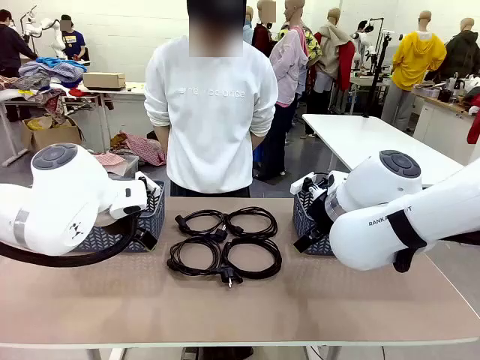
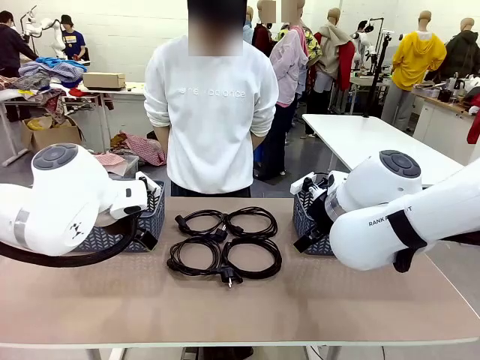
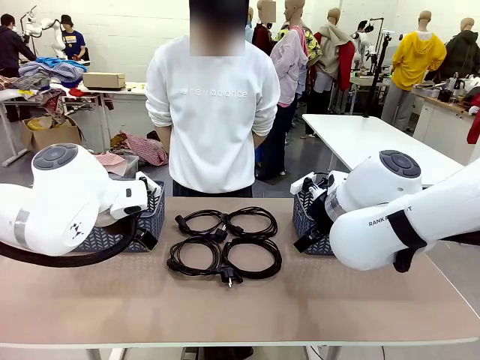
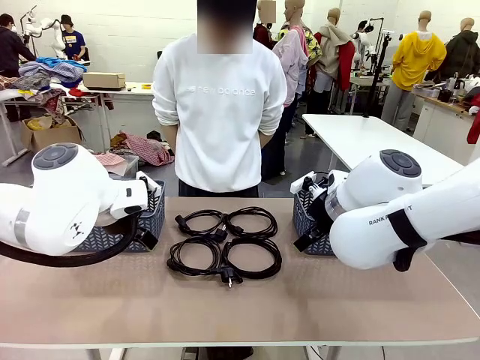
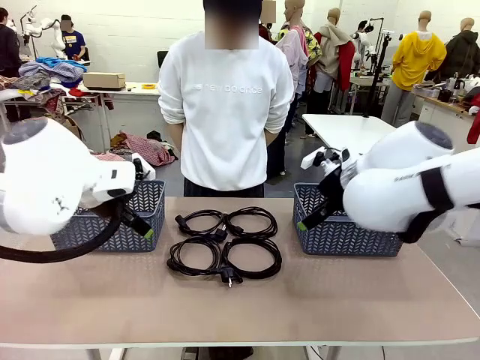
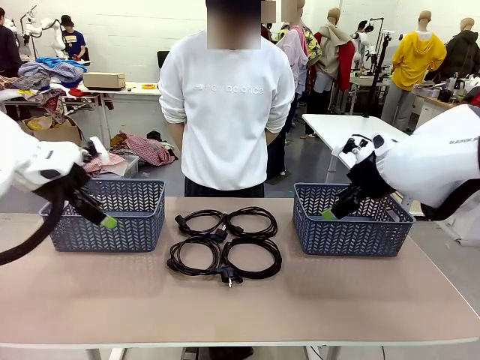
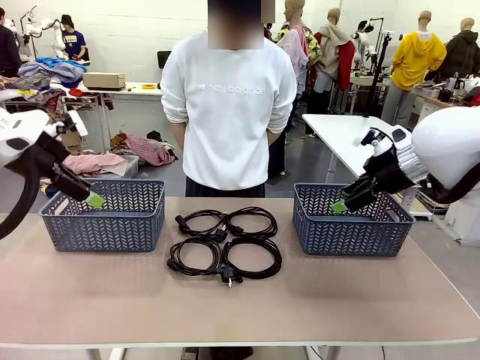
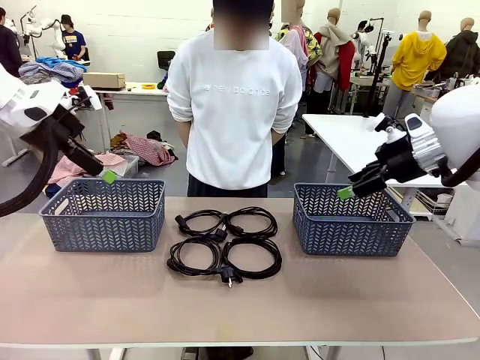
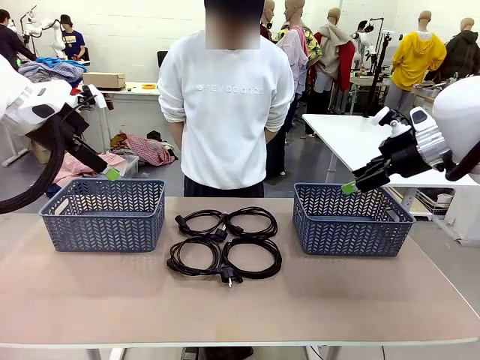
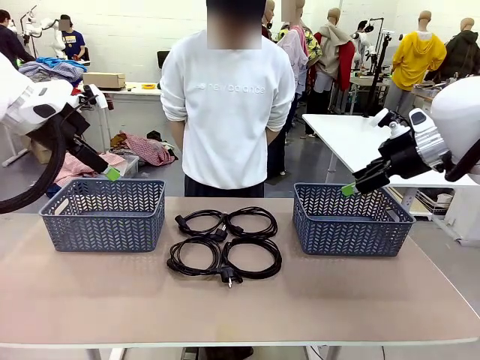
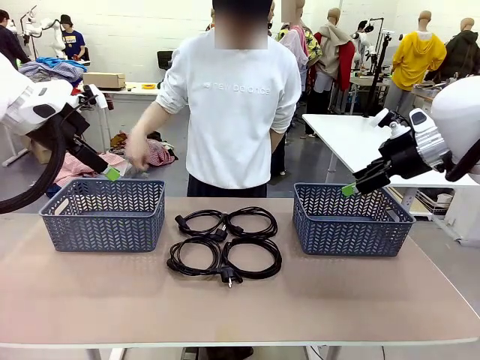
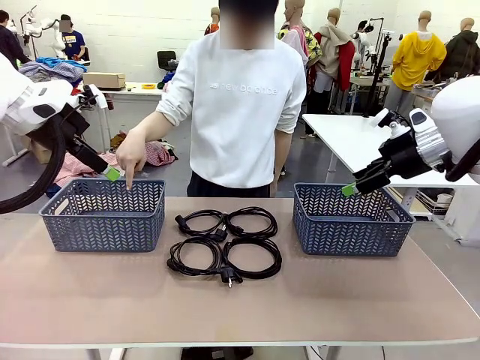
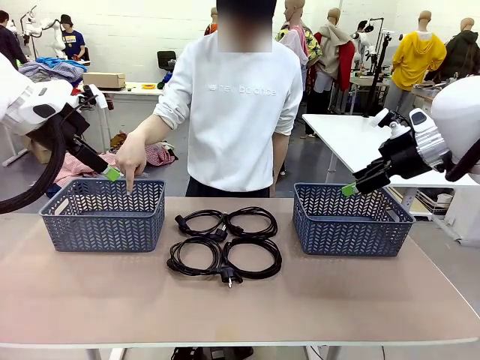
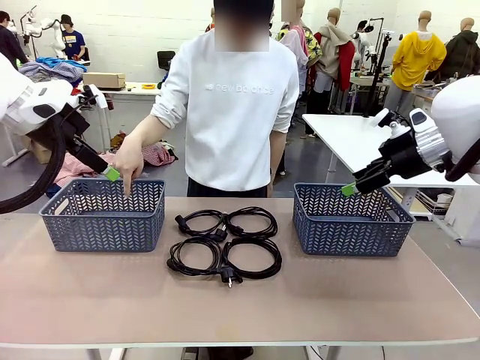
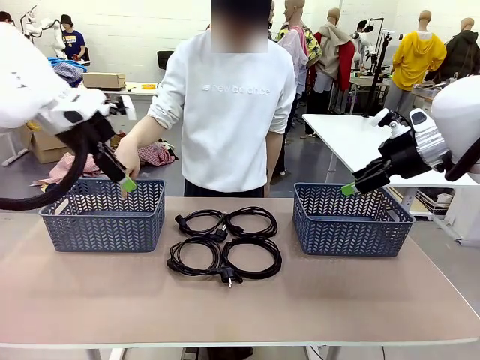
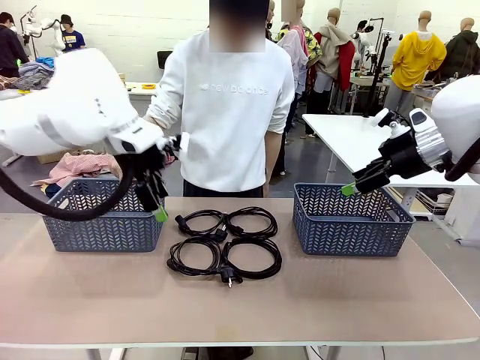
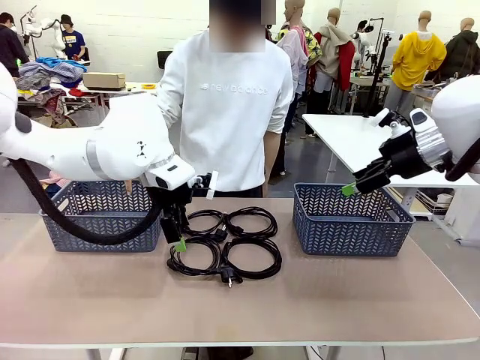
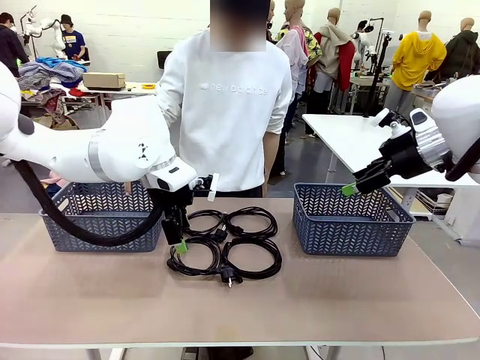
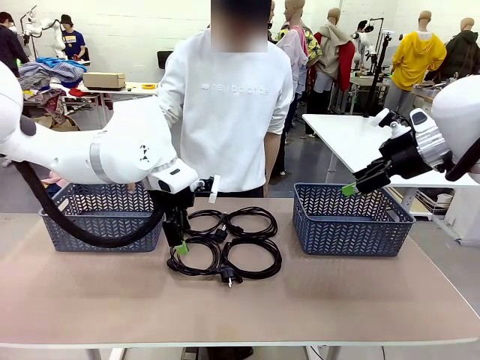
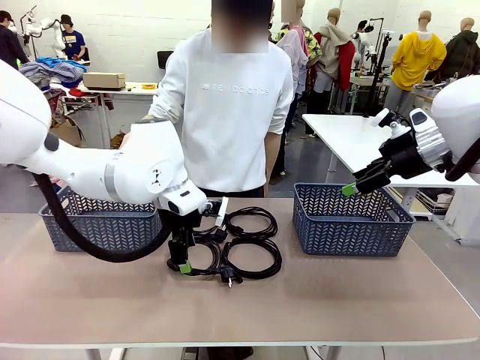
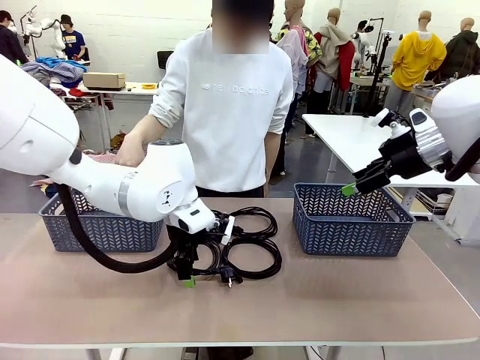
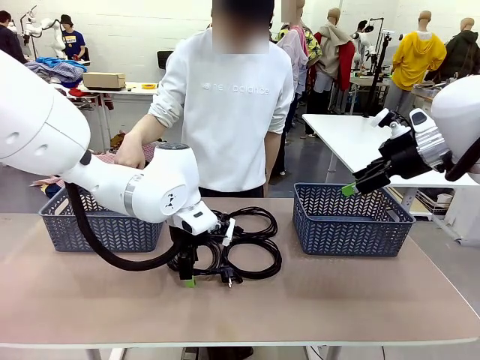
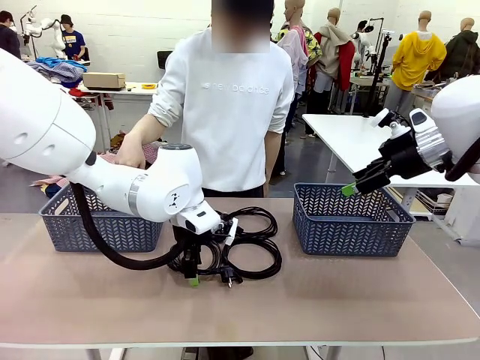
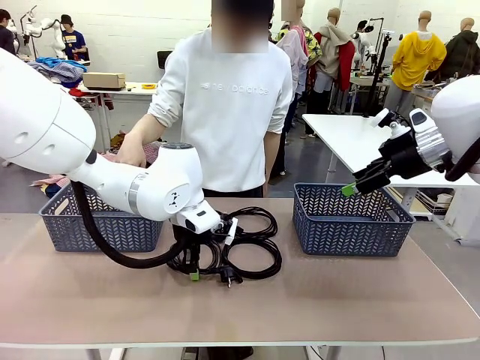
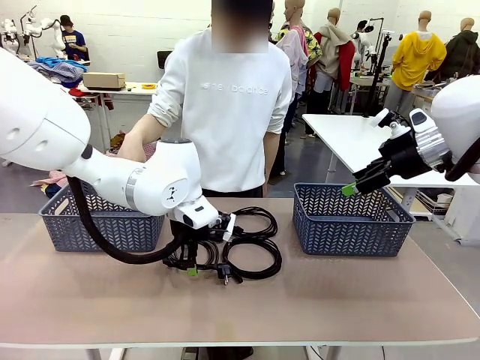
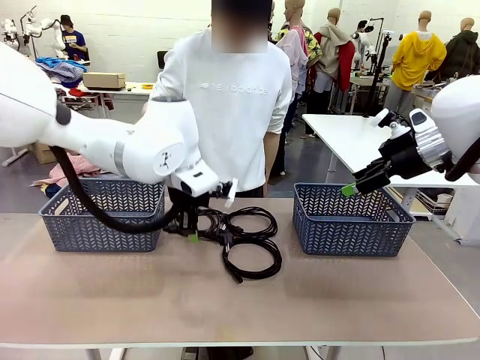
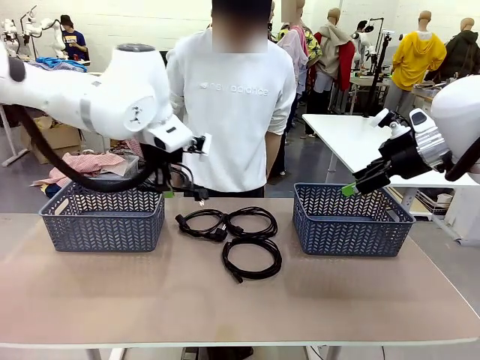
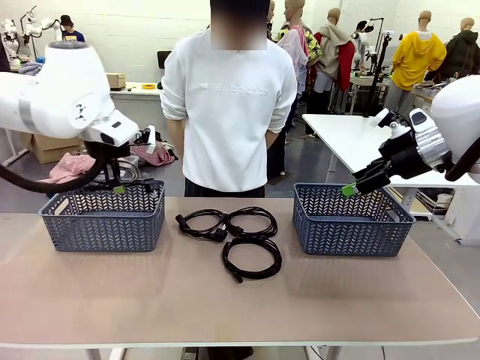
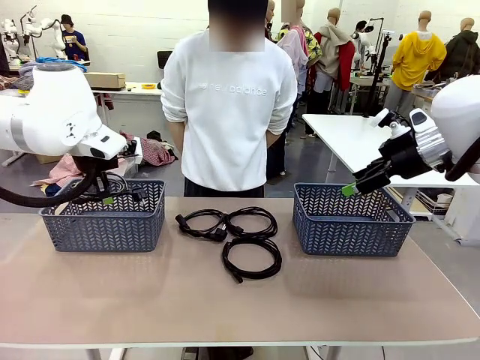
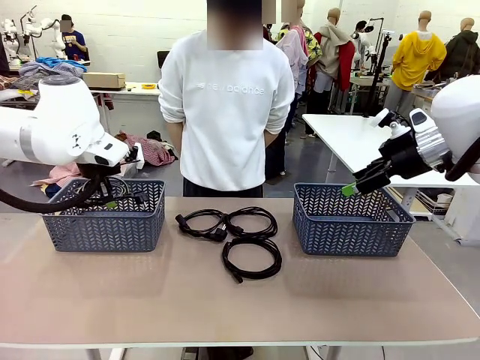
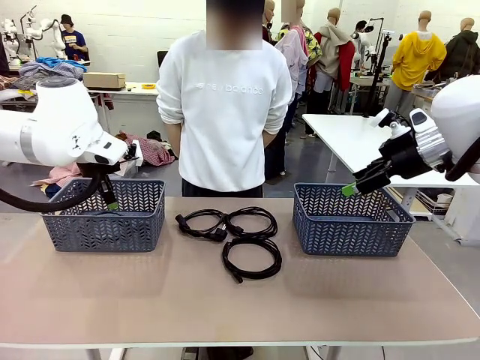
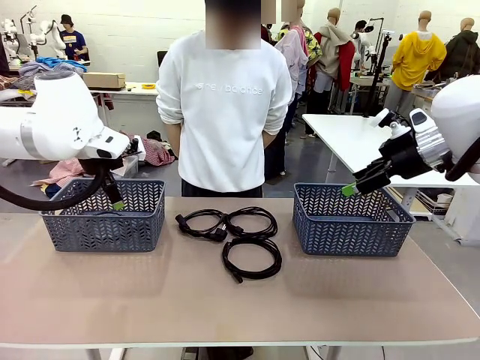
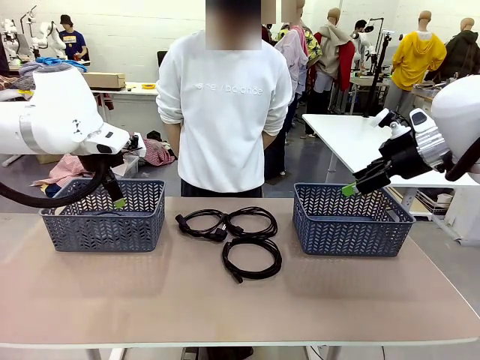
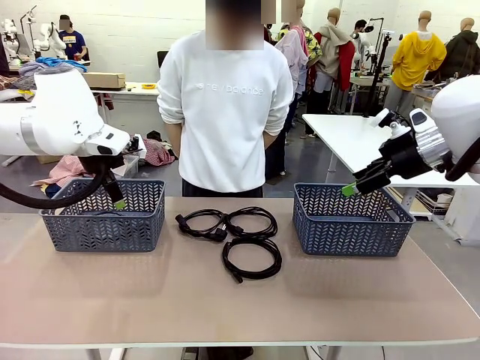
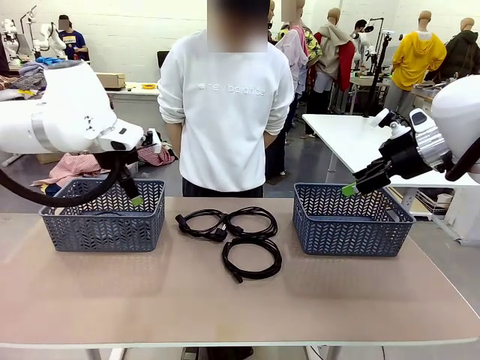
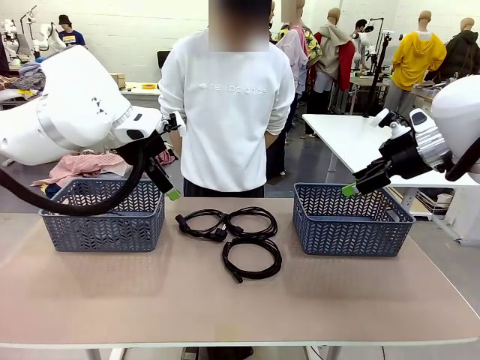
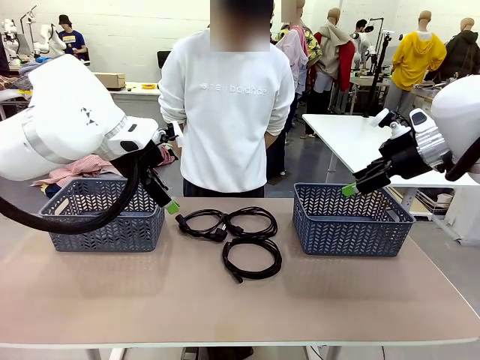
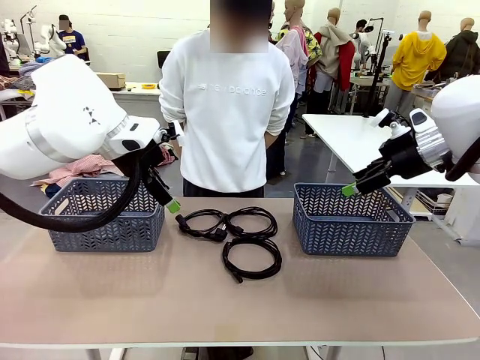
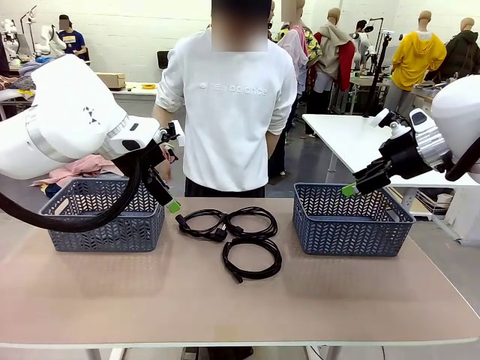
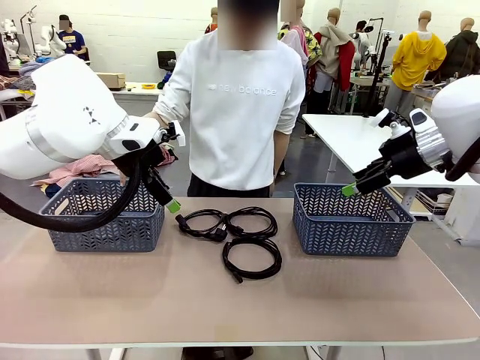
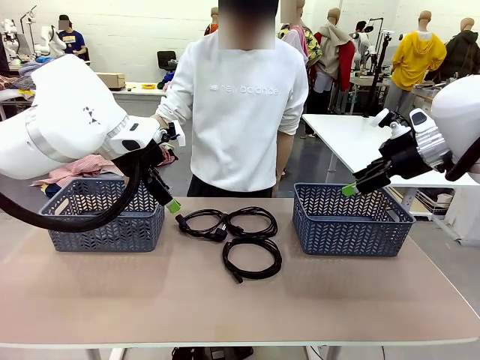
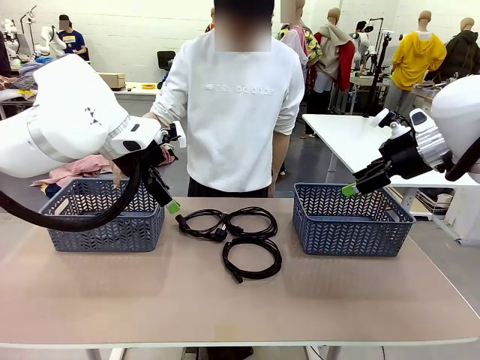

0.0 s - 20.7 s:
Task: Organize the cables according to human instructions.
Robot: Pick up a bundle of cables and place it in the basket indicated by the human.
